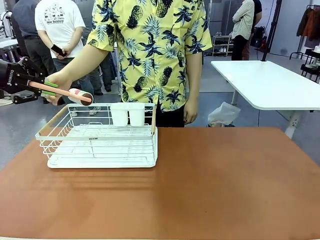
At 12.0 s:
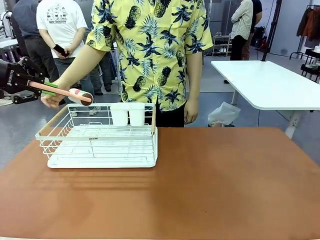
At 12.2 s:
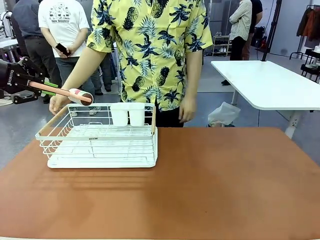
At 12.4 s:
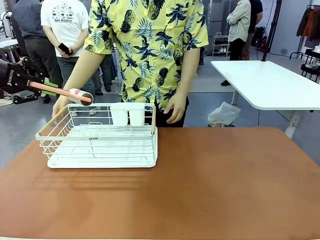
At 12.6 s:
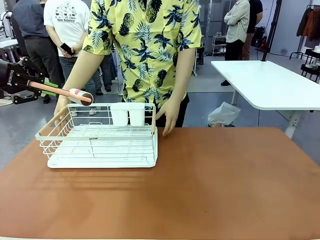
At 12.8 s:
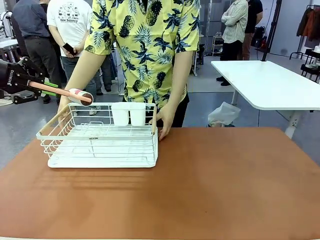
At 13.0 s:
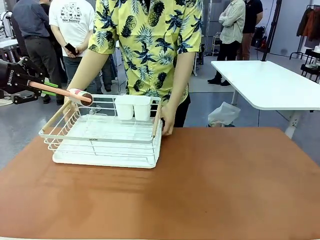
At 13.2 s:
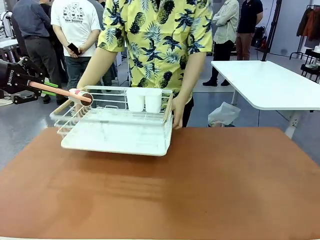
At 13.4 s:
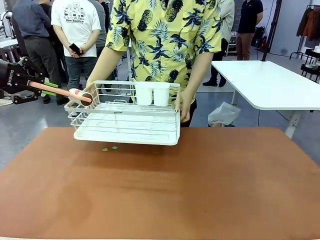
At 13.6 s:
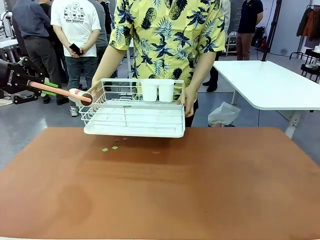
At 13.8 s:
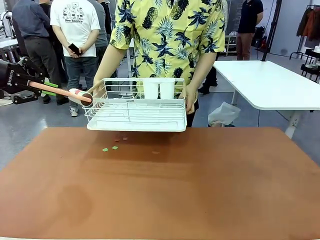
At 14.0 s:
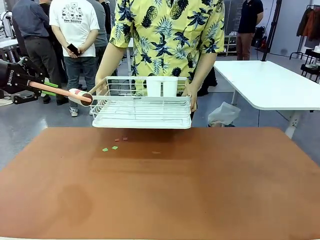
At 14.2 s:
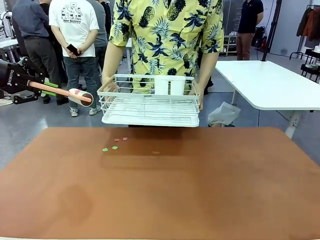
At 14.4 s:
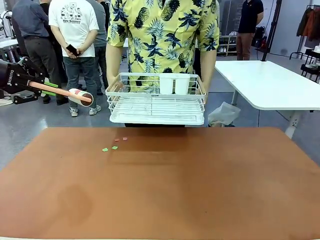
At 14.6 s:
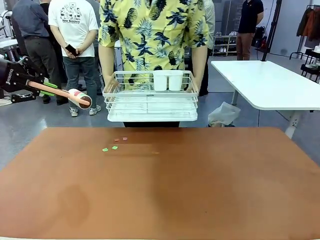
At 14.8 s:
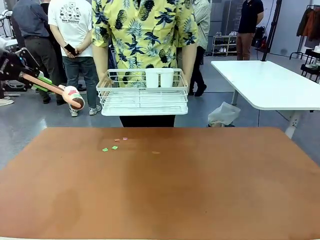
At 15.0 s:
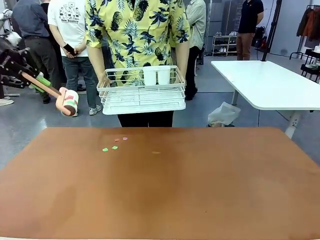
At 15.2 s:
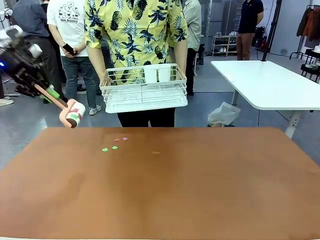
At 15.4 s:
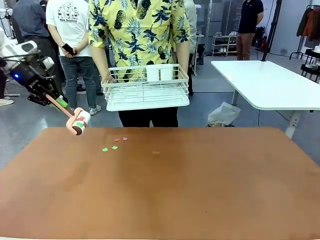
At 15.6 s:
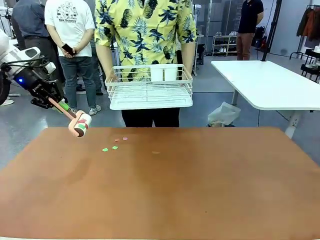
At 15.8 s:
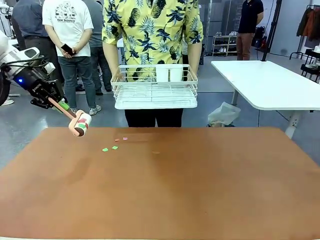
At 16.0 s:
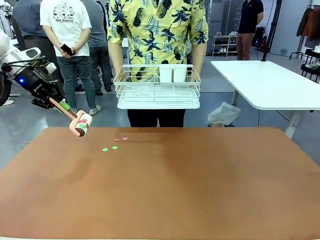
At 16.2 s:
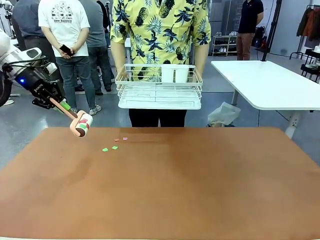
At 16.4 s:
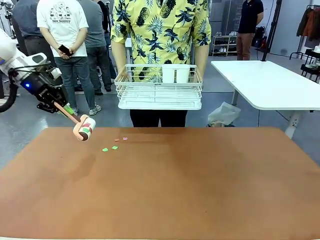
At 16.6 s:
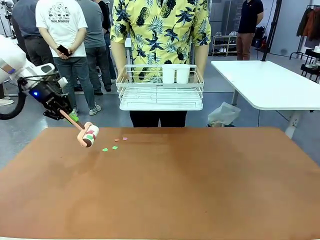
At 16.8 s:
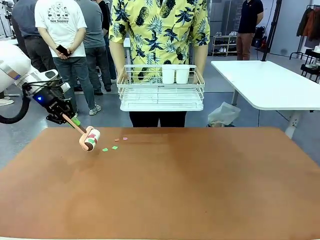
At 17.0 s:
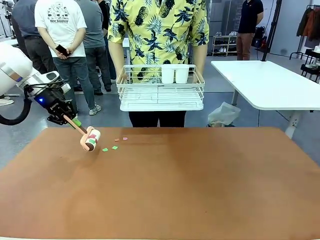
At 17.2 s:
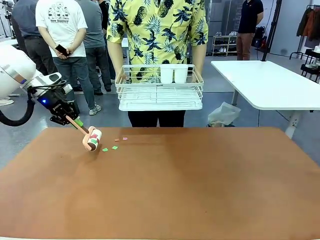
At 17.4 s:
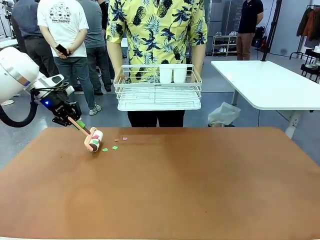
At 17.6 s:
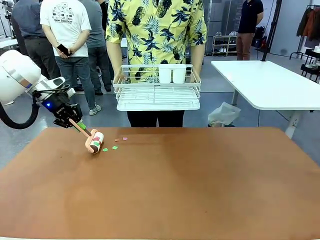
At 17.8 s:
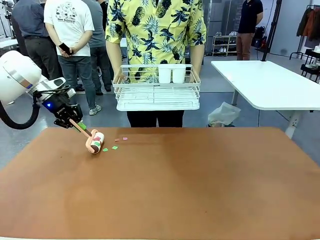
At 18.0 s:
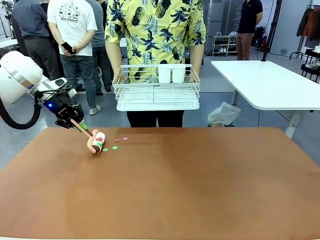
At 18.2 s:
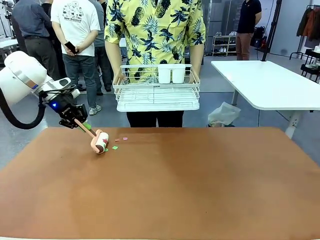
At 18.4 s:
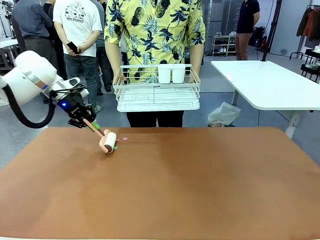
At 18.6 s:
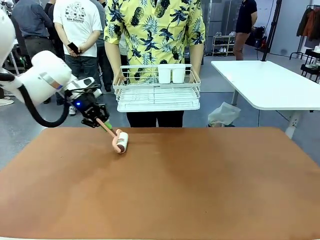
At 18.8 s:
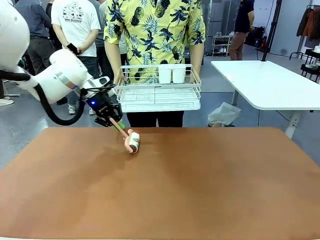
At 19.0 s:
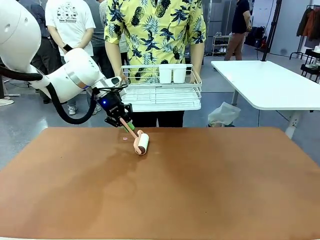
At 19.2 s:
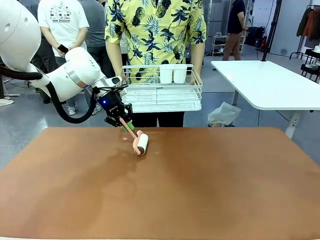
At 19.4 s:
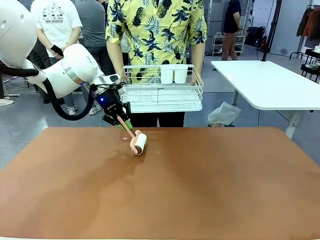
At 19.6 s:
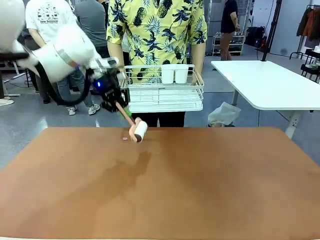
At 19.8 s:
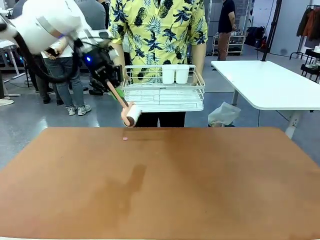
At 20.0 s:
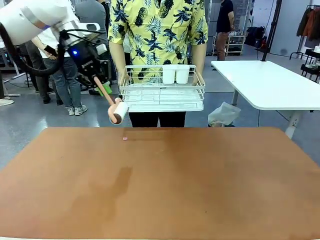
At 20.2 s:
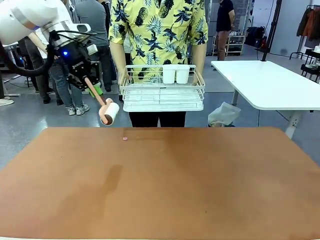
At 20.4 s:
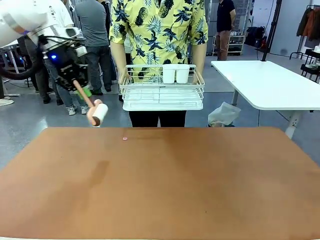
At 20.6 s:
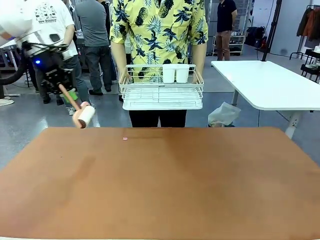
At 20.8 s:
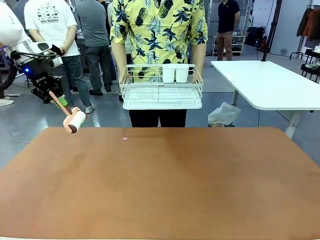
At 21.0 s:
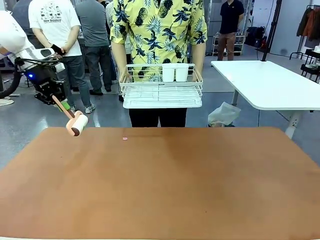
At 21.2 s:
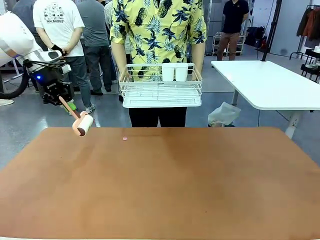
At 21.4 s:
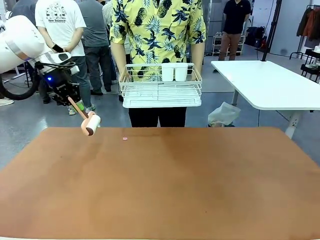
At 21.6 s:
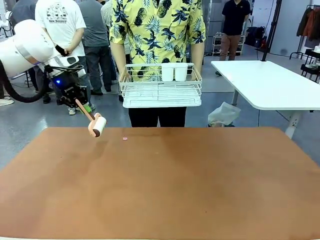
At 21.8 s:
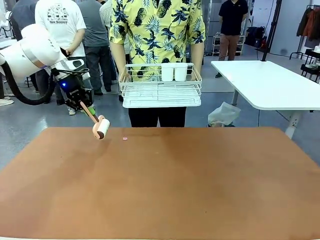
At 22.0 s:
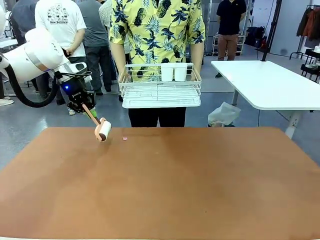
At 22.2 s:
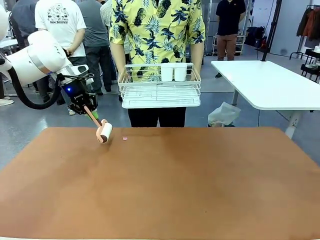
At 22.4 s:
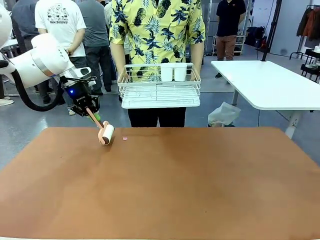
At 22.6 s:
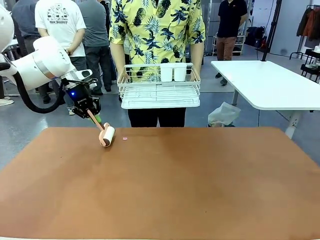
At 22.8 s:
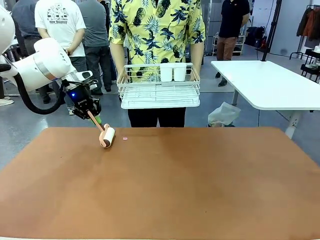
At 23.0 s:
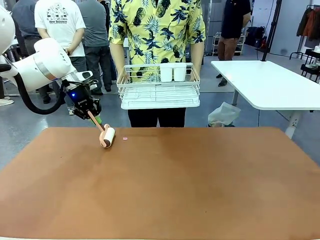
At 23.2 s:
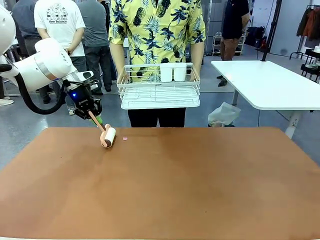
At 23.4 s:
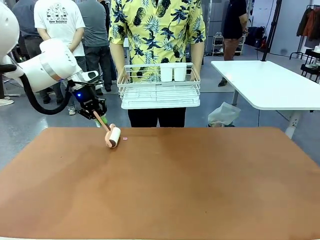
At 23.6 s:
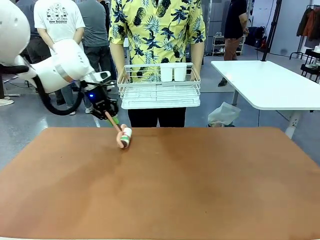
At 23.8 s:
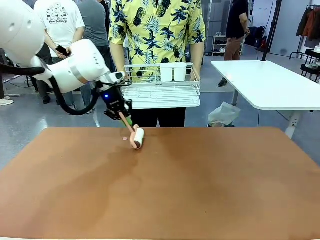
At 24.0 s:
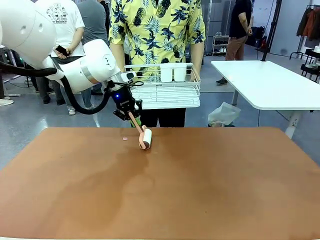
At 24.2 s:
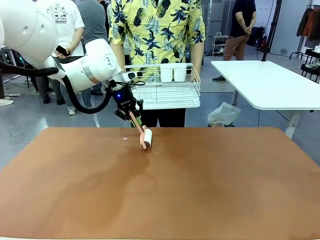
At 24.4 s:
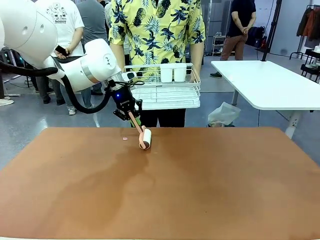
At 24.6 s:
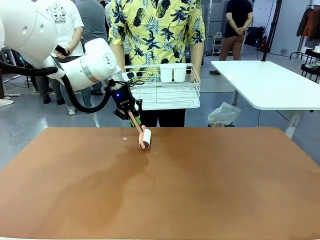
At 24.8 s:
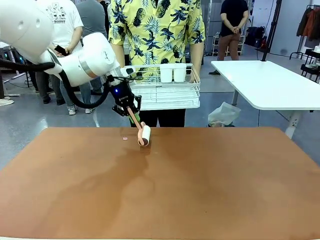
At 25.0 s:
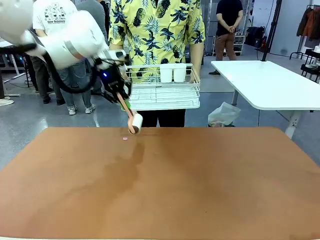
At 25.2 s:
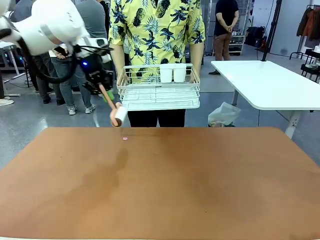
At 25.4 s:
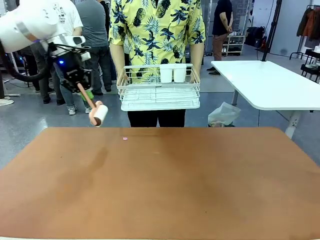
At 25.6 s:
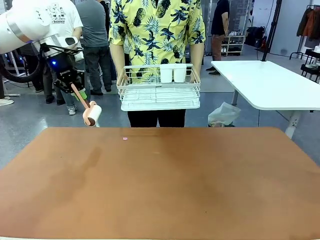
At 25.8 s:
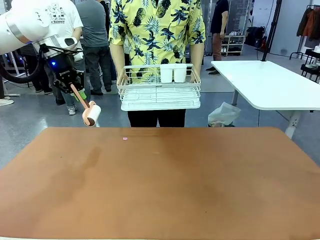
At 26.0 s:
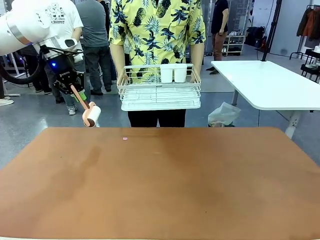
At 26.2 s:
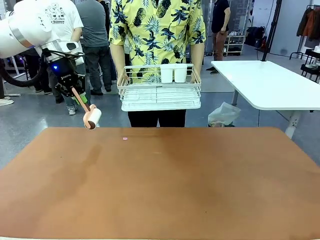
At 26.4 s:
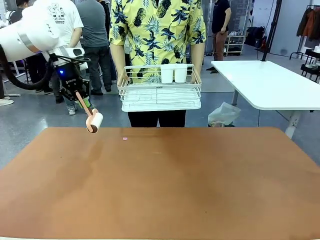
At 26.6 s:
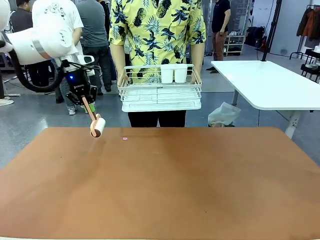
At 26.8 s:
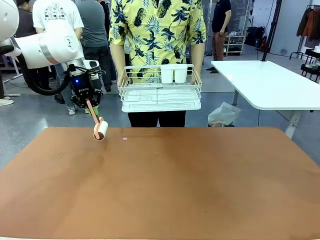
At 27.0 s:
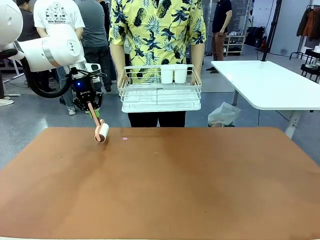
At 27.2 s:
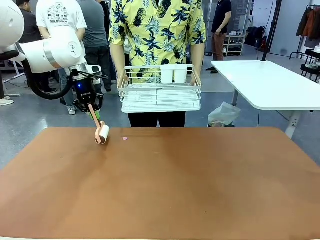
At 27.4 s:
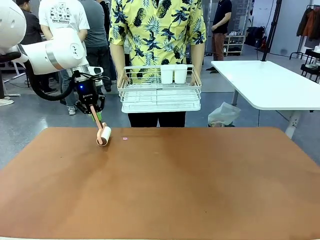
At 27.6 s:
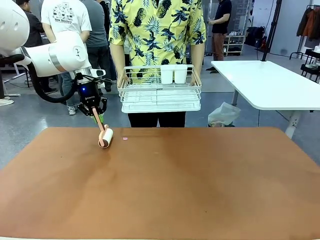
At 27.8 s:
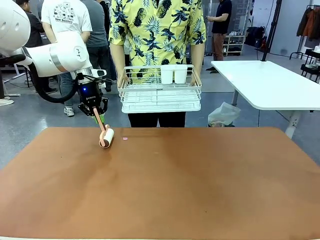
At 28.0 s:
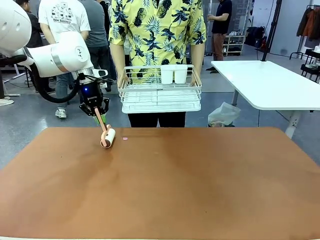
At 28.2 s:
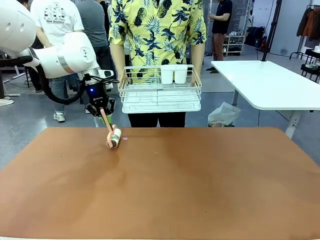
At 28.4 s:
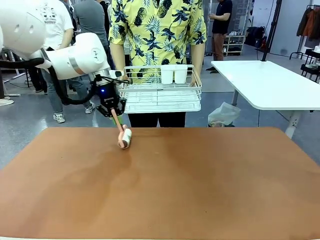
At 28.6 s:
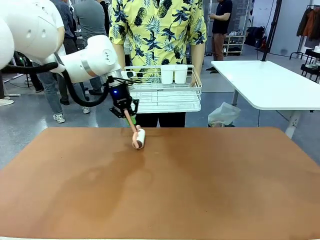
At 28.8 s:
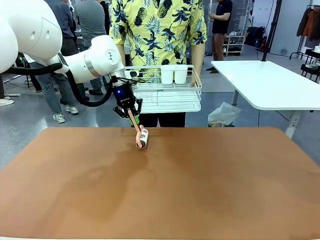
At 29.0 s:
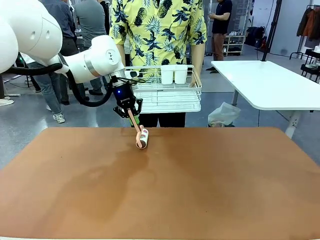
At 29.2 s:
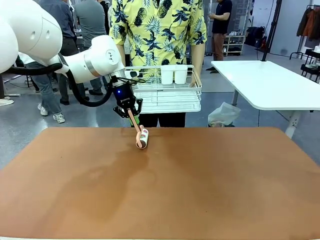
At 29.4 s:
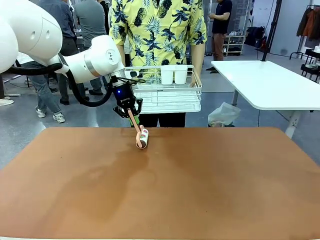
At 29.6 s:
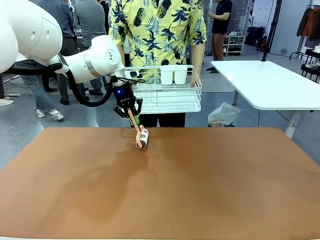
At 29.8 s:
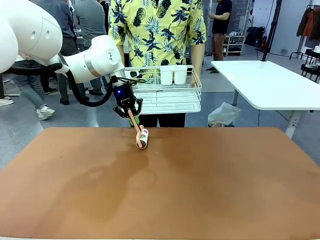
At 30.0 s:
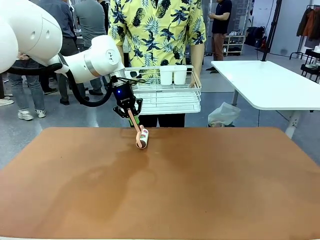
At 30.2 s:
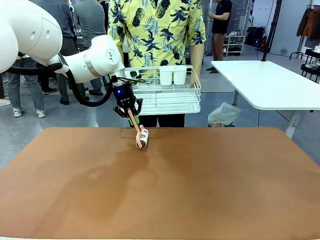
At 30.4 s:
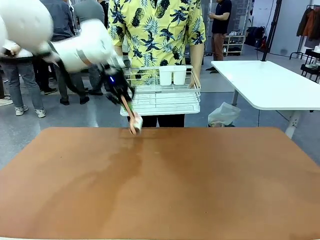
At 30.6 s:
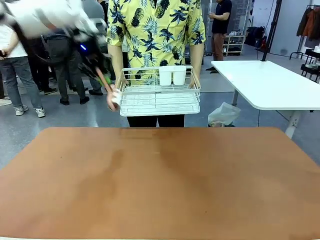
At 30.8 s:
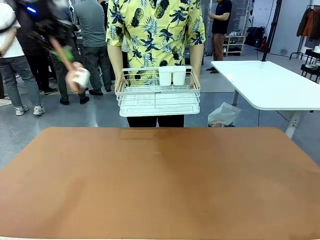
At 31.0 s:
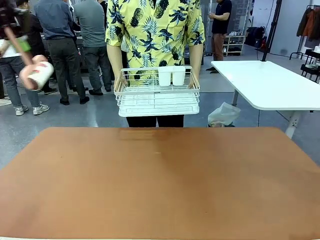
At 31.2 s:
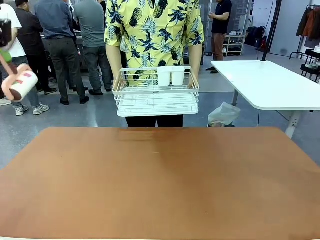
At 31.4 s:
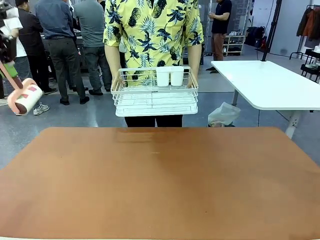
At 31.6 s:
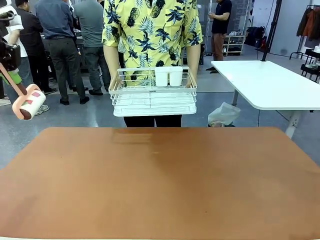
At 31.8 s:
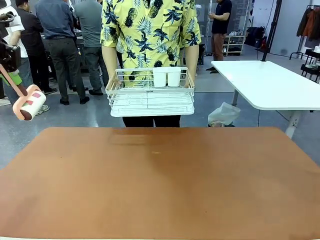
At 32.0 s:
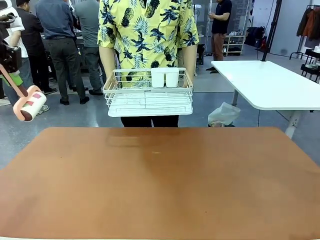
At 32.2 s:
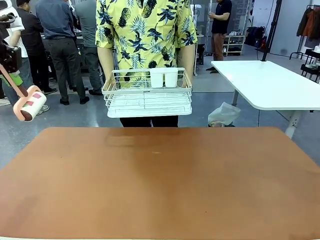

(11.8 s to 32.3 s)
Task: Clean the table.
Robot: Clean the table with the Lint Roller when the human lifts the Dish drying rack.
Person: Place the Dish drying rack down when the robot finishes cleaning.
